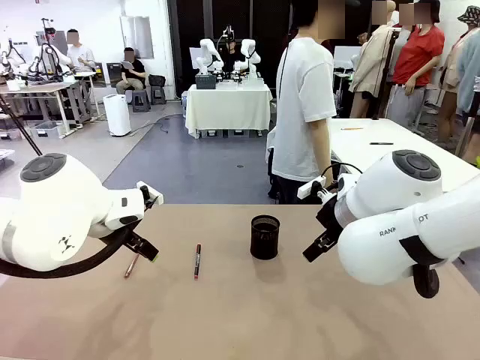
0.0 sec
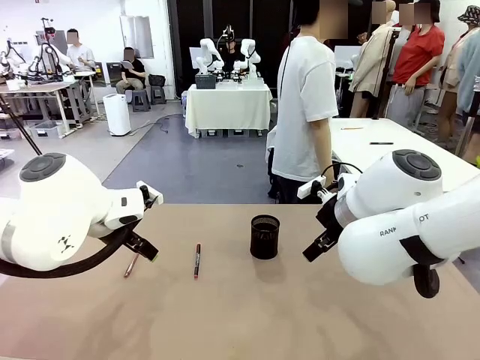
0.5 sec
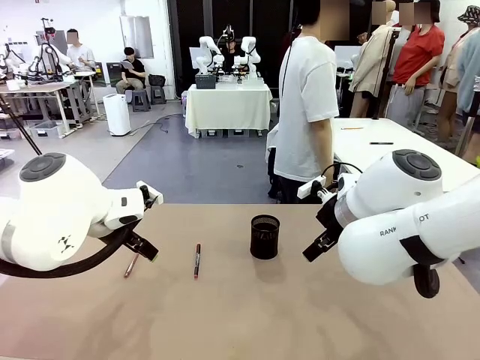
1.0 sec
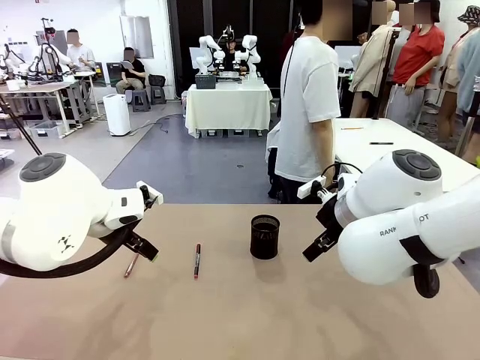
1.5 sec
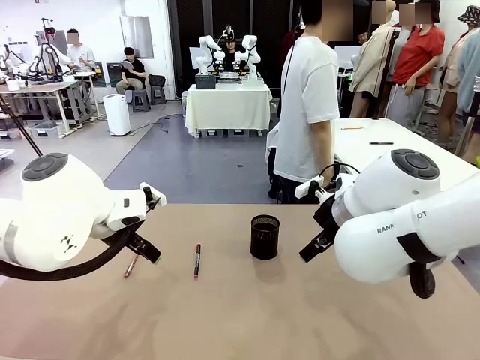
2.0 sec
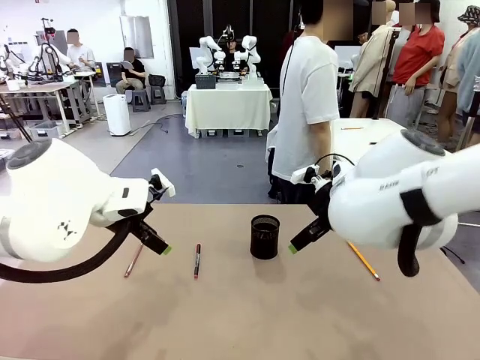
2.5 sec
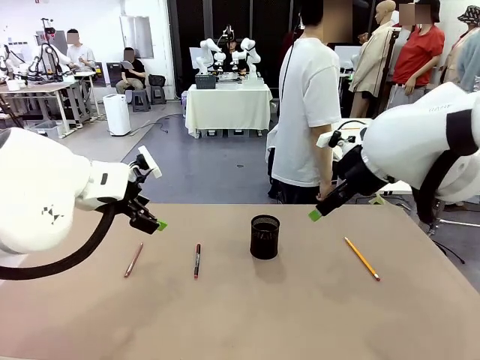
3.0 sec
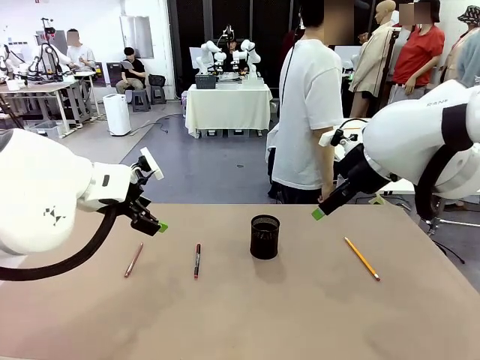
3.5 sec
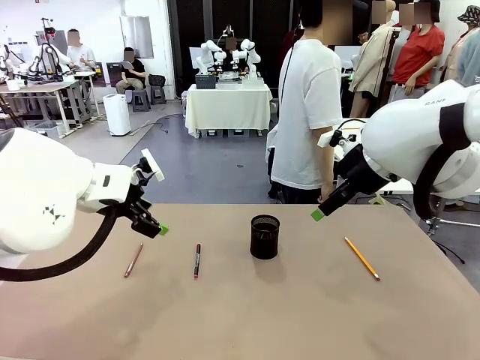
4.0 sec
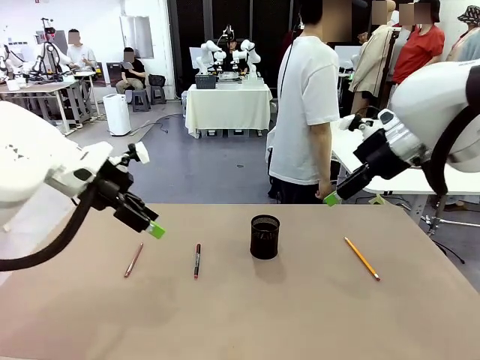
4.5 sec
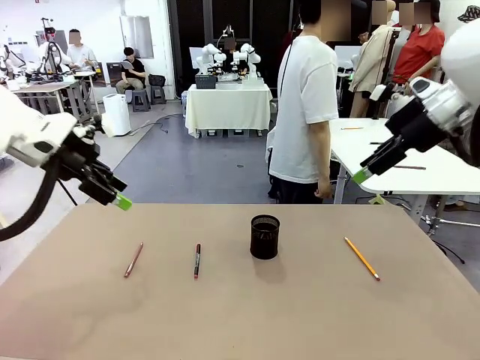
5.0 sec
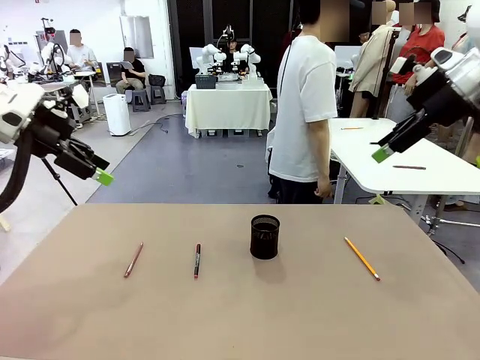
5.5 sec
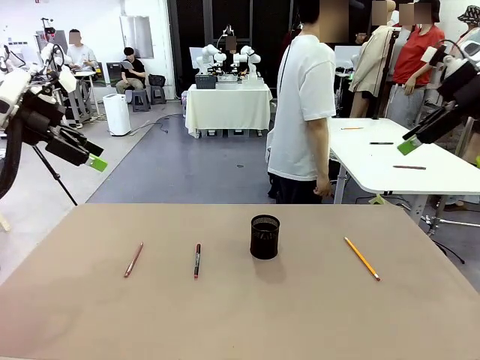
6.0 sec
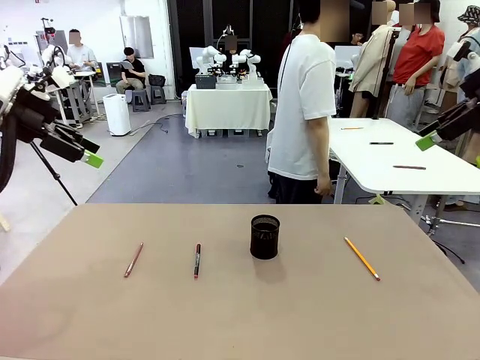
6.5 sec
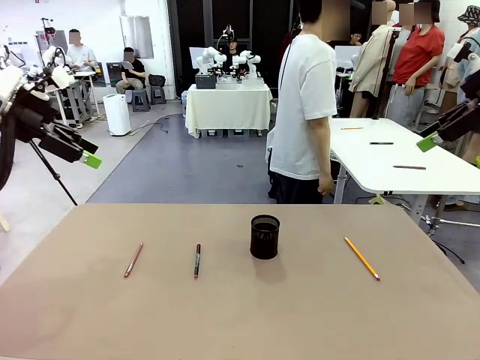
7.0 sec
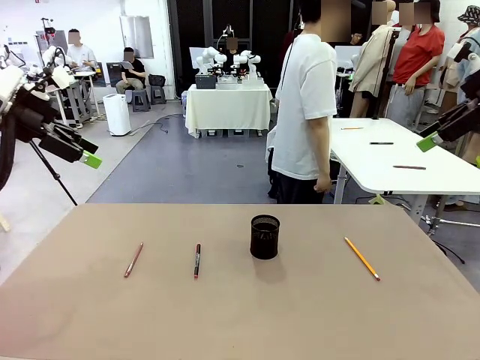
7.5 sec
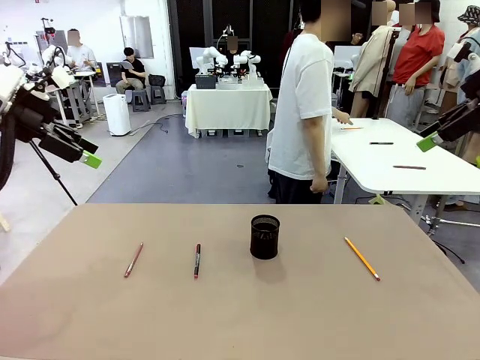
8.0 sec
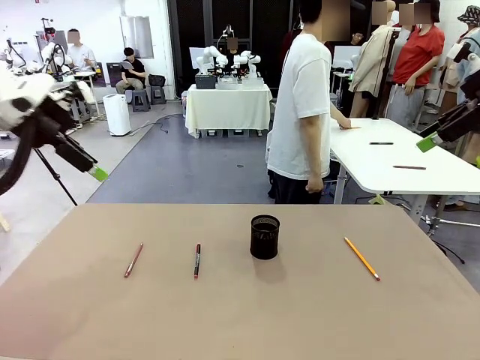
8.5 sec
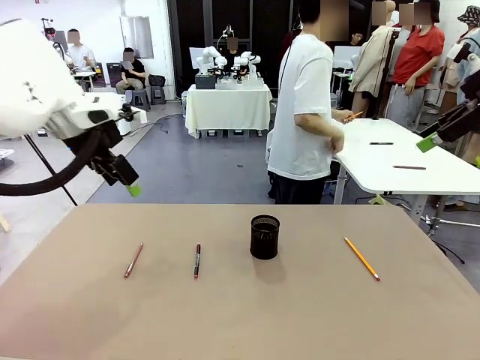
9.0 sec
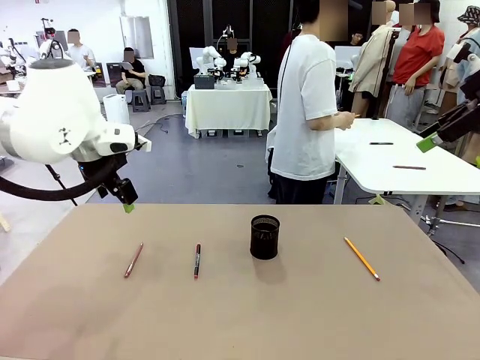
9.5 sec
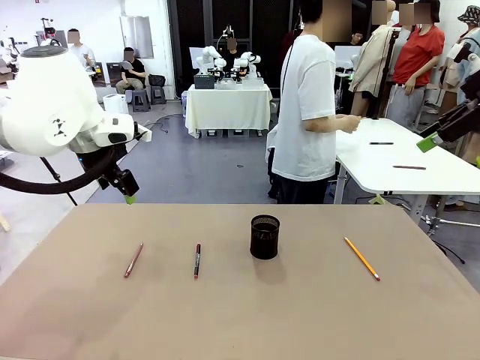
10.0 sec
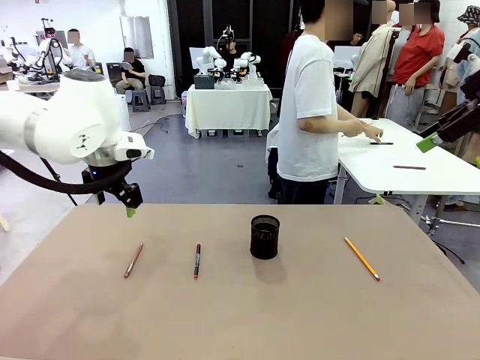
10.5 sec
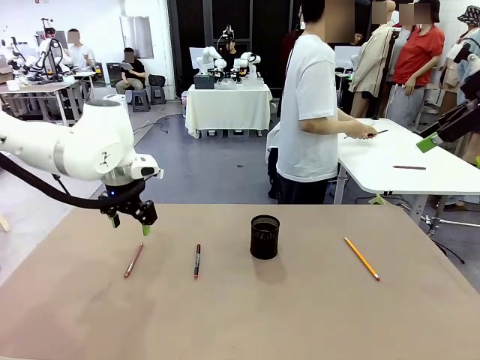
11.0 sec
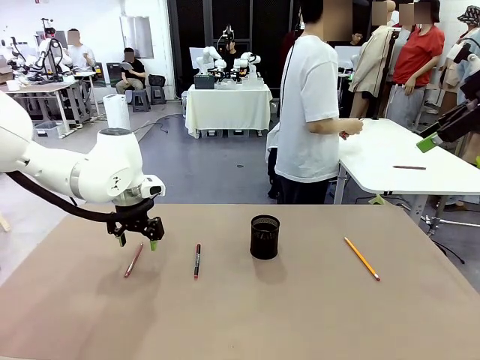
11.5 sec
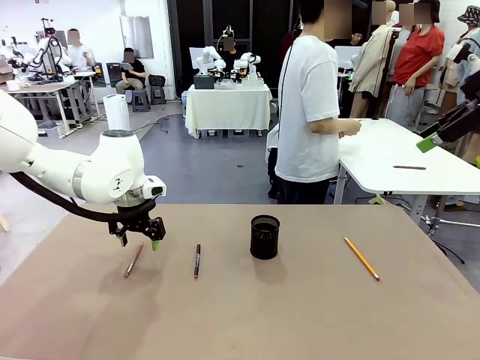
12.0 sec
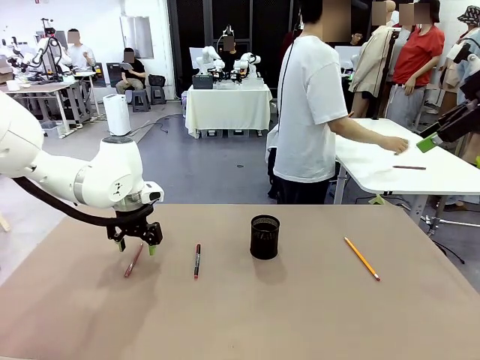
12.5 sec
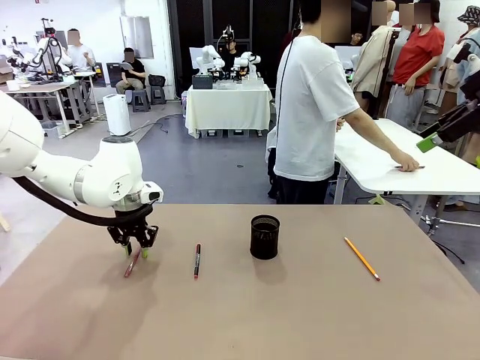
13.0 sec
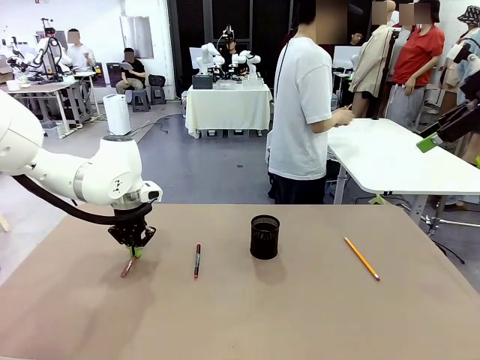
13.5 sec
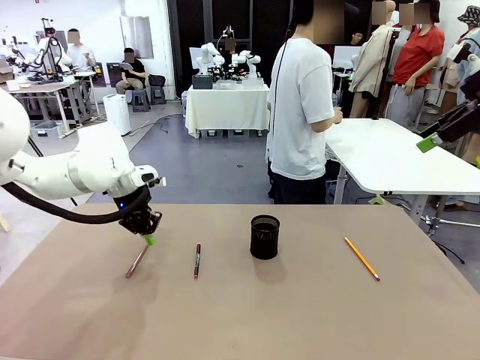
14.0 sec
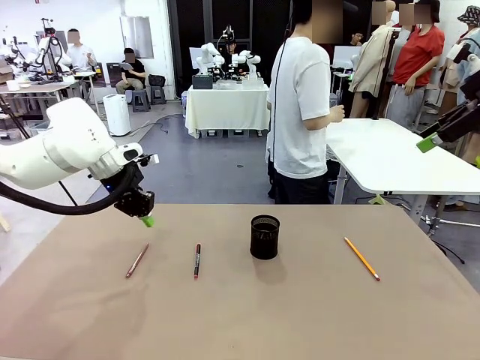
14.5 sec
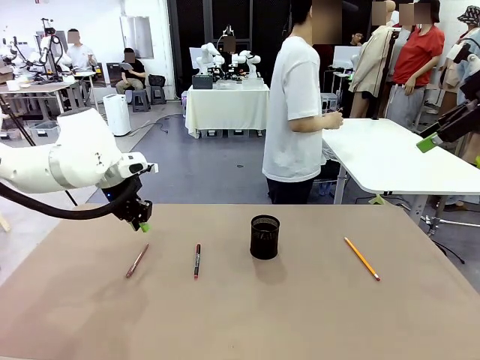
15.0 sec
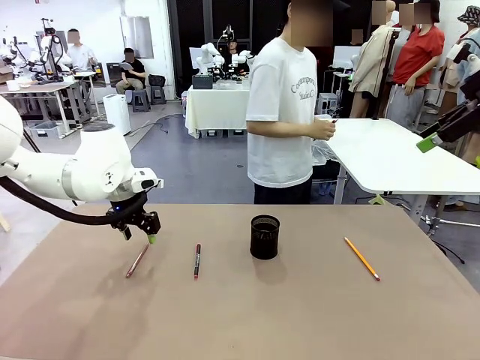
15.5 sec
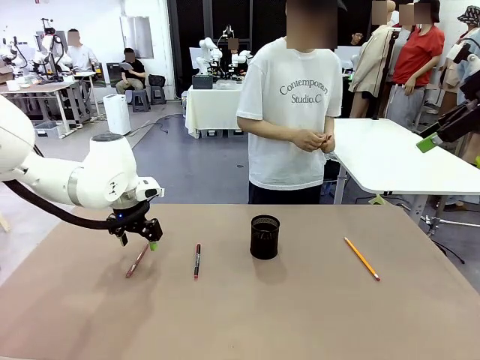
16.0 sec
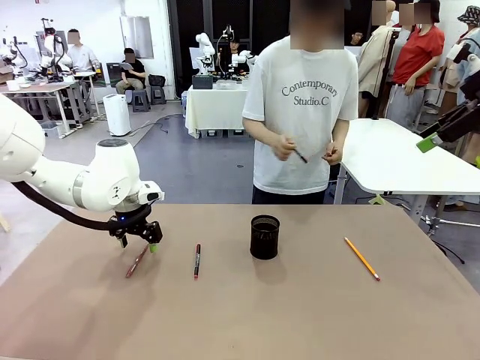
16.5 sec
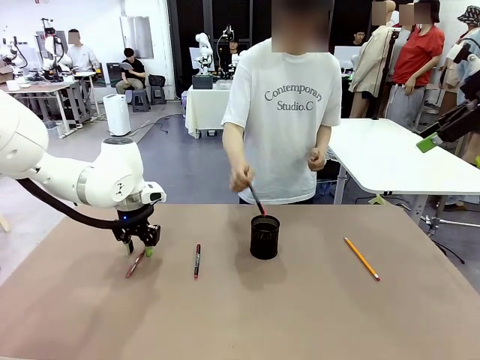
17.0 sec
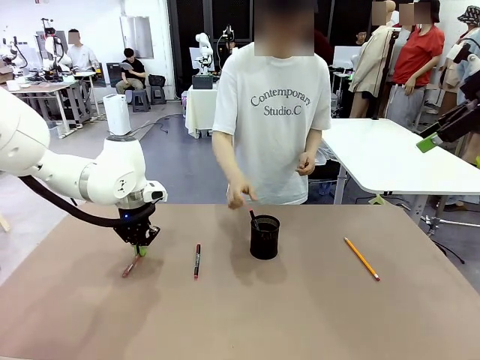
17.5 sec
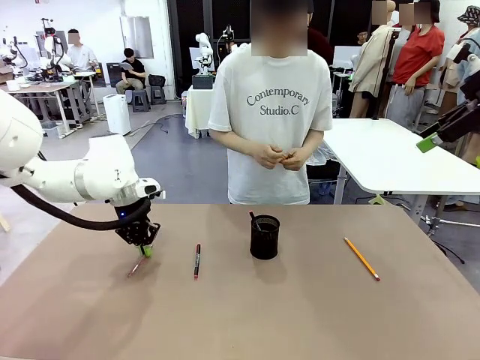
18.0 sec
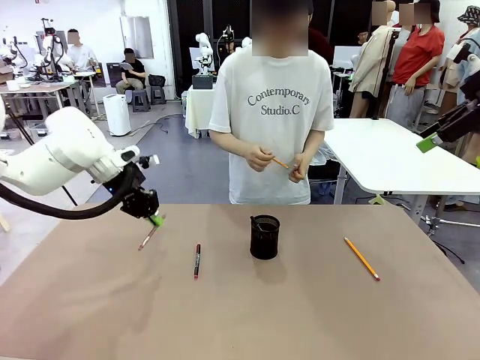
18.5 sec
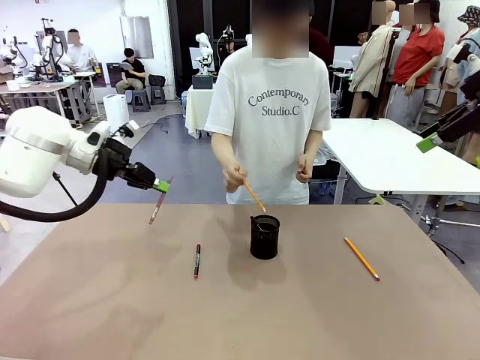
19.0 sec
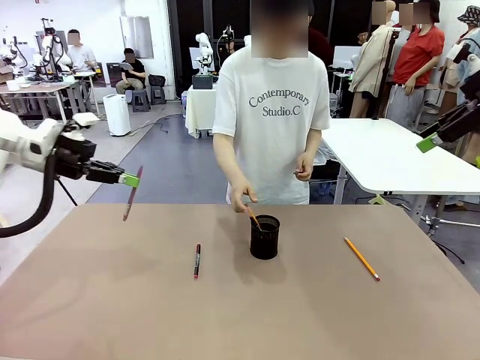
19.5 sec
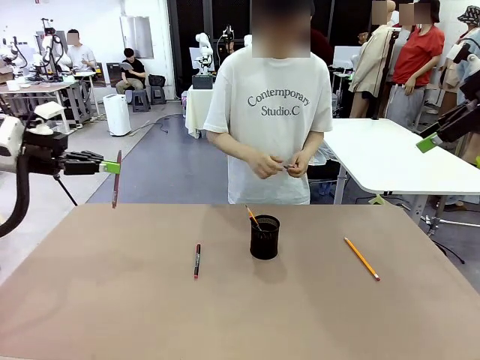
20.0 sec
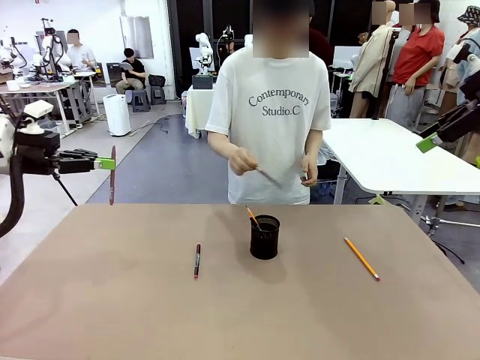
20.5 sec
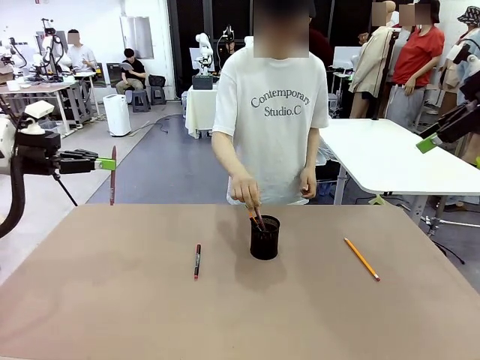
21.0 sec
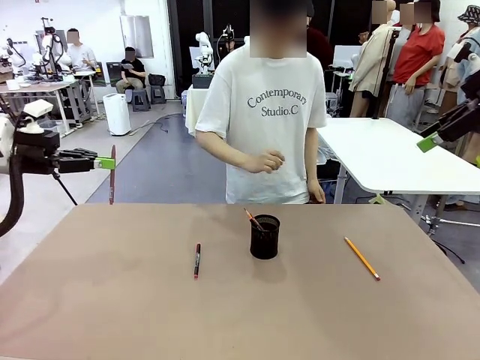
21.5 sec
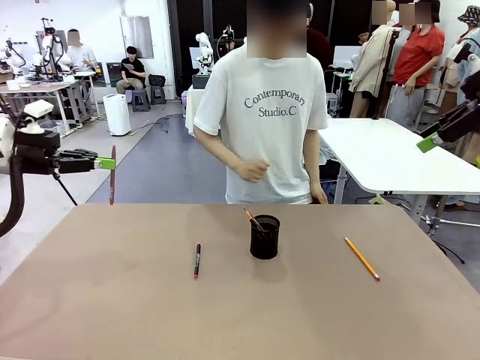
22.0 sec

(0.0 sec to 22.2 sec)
Task: Place the pens into the pen holder.
Robot: Pick up a writing instrument from the table and place it into the Pen holder.
Person: Pick up all writing instruments from the Human table.
